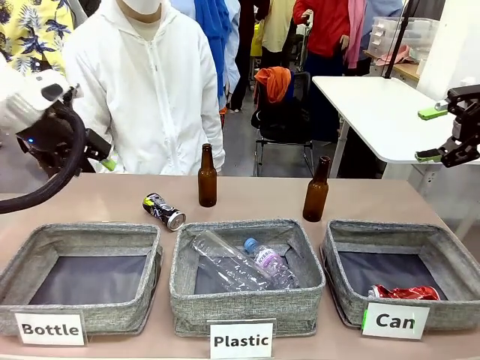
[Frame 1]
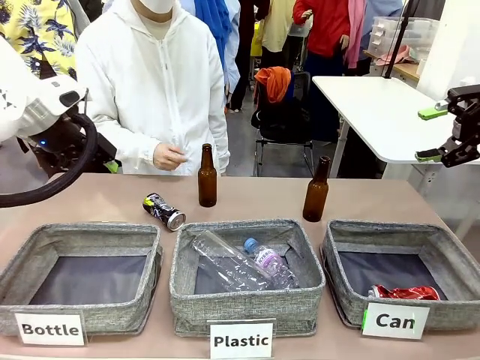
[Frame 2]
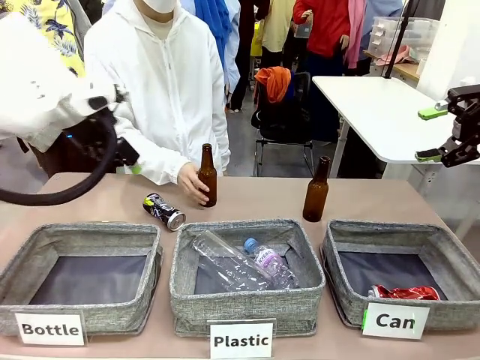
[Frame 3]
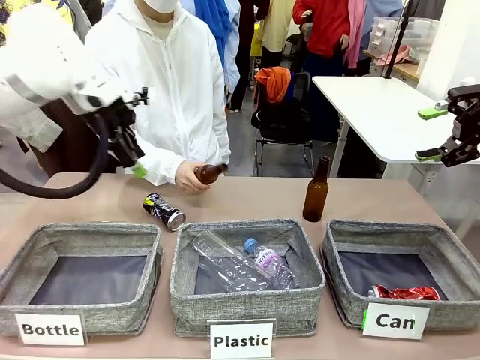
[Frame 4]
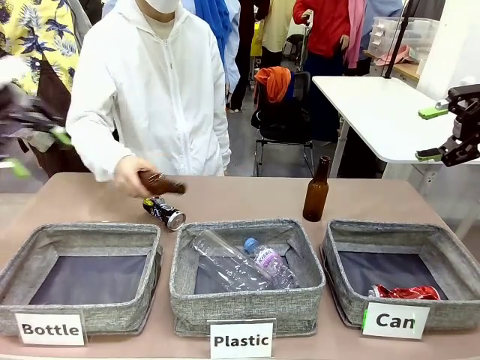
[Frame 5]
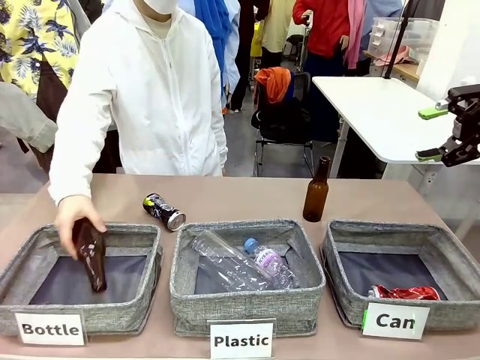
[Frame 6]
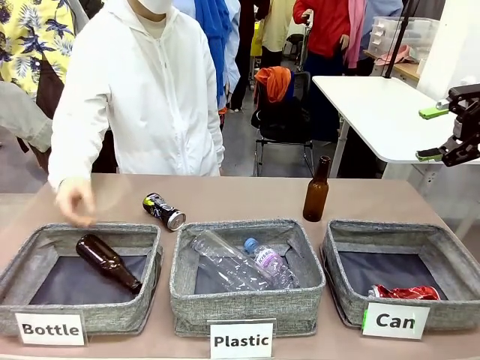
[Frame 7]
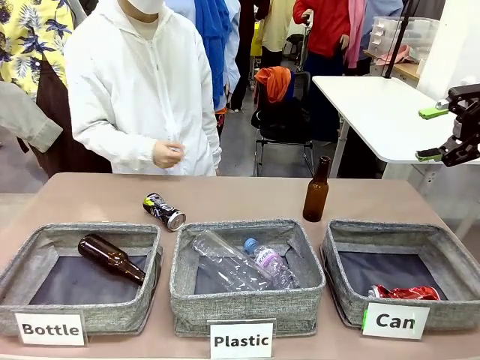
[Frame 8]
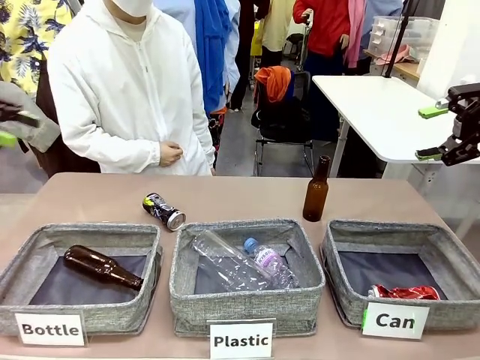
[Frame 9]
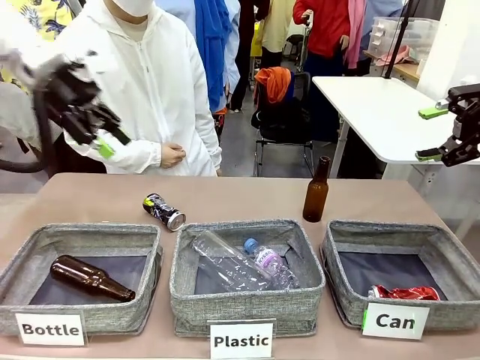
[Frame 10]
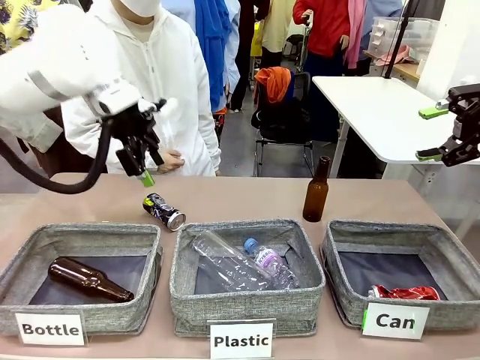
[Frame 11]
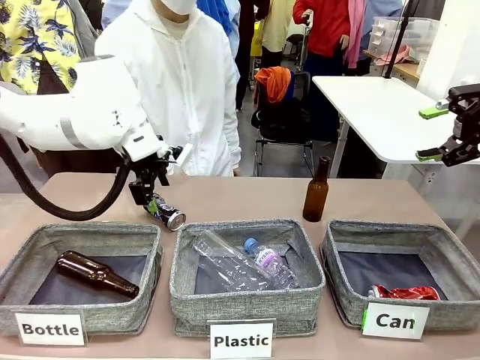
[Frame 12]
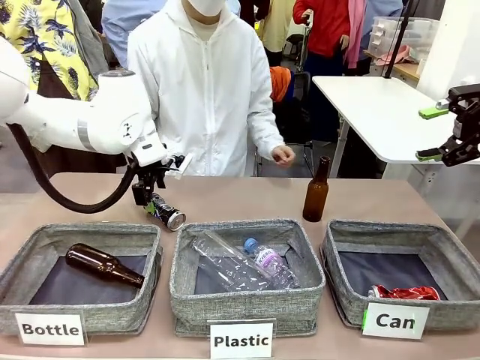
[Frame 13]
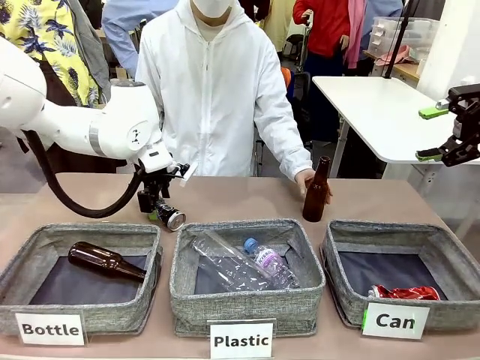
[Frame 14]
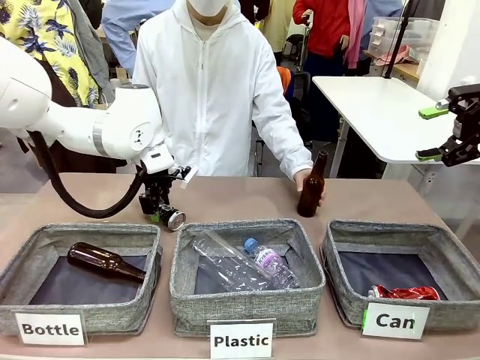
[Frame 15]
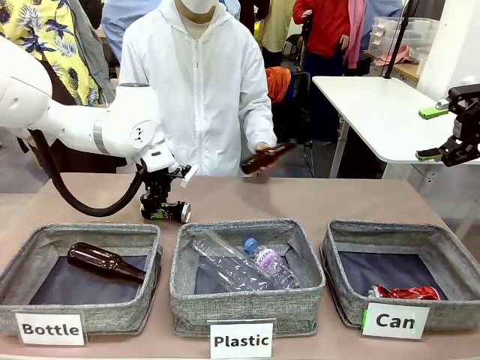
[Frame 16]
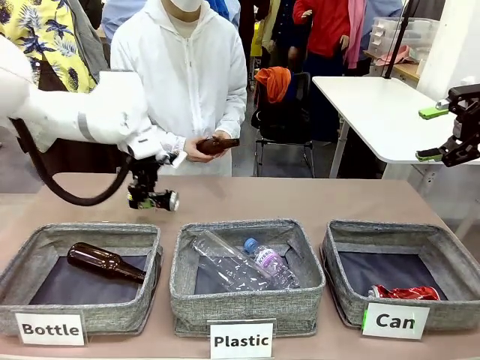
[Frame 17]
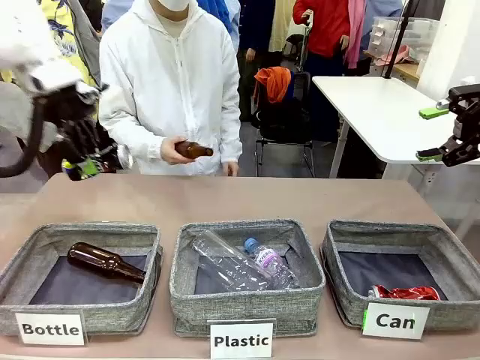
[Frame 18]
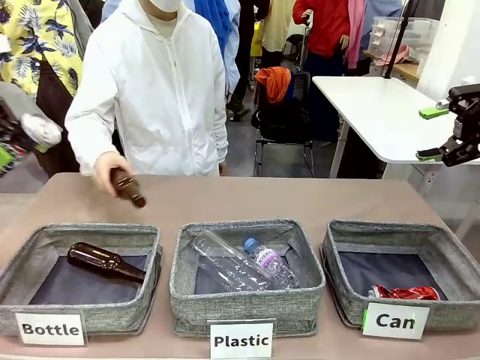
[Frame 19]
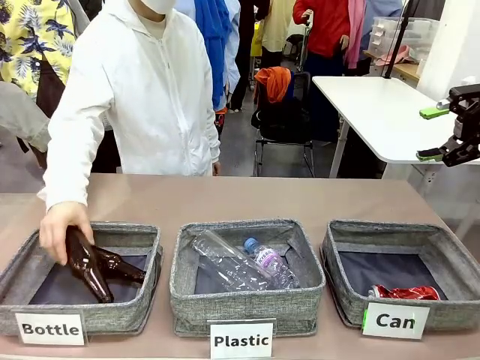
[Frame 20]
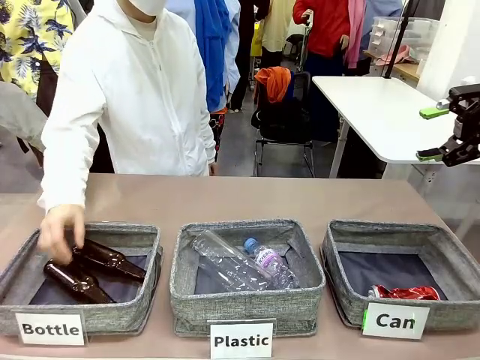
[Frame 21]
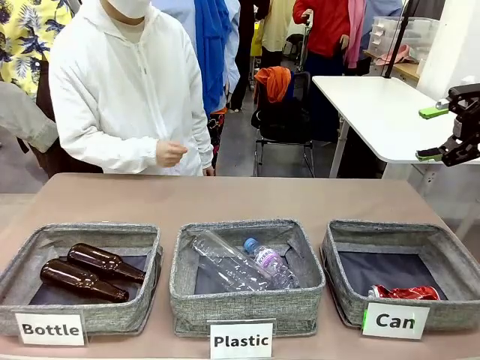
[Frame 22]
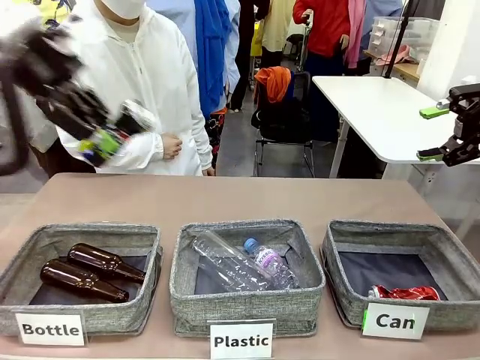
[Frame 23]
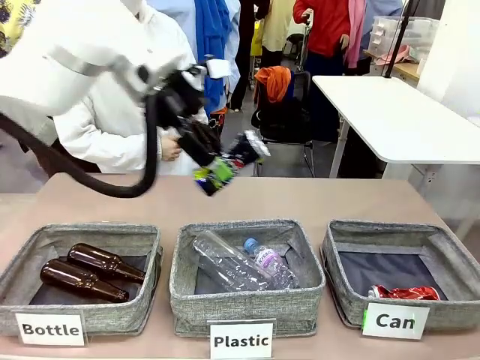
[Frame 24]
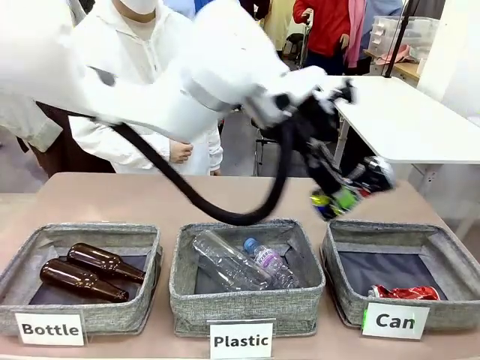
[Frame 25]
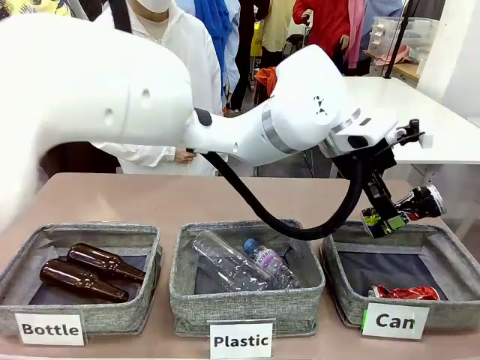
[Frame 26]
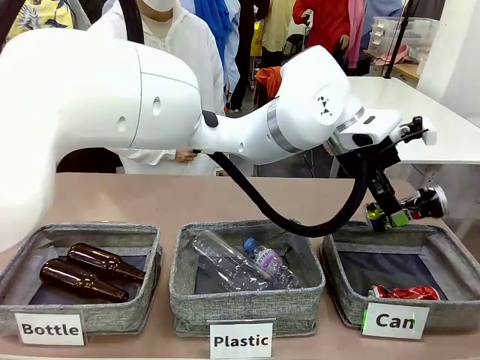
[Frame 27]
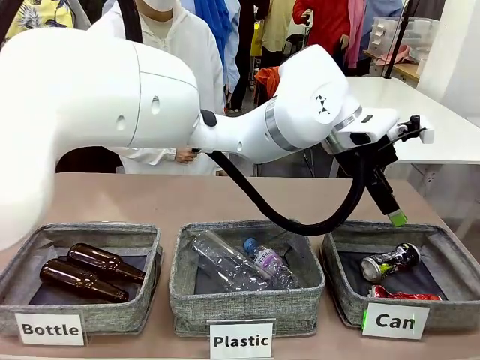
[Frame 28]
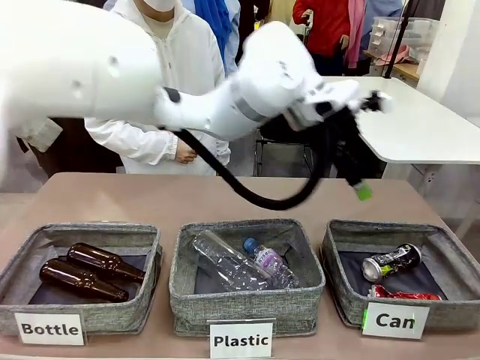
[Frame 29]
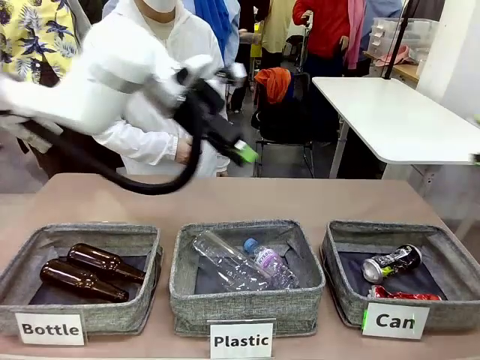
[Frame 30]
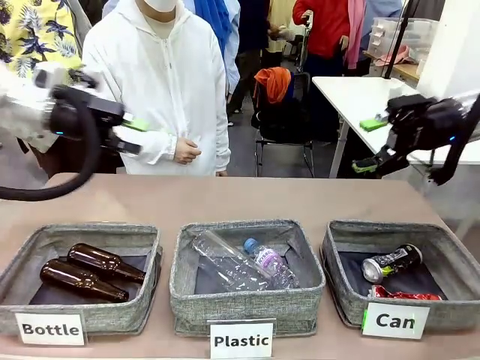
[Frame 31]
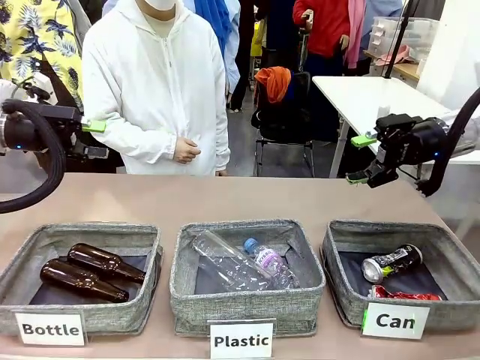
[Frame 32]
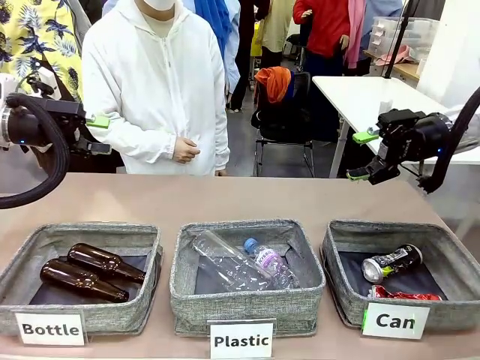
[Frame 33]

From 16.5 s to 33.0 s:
Task: Sort the can waste into the basket.
Robot: Pick up the can waste from the table and place it in the right Fabric basket.
